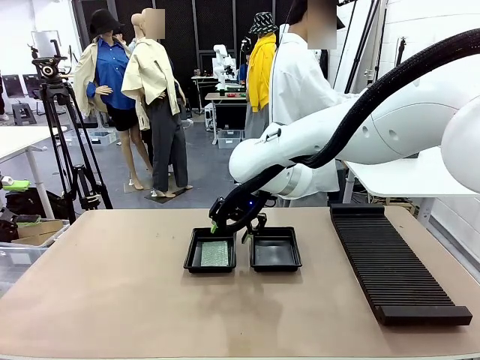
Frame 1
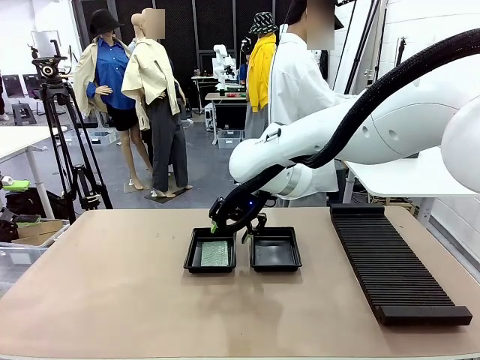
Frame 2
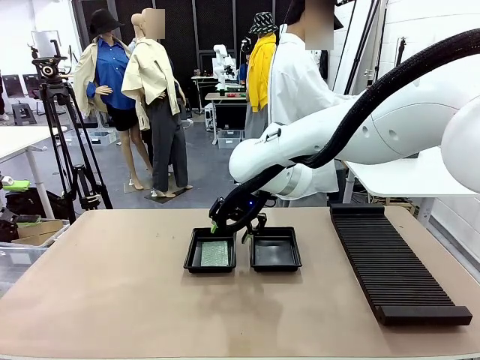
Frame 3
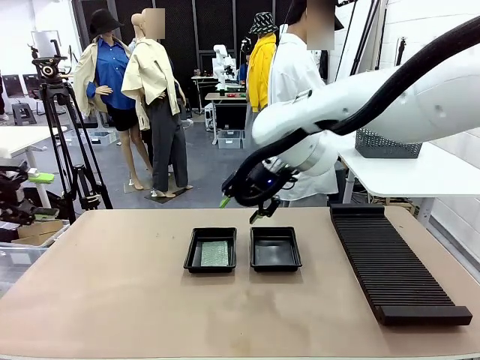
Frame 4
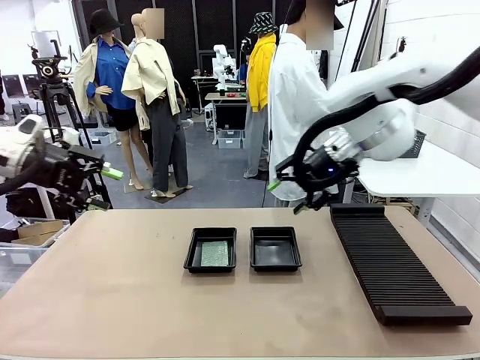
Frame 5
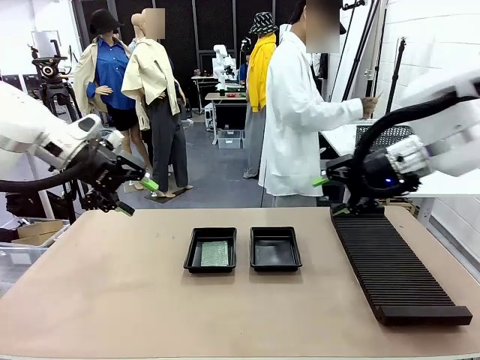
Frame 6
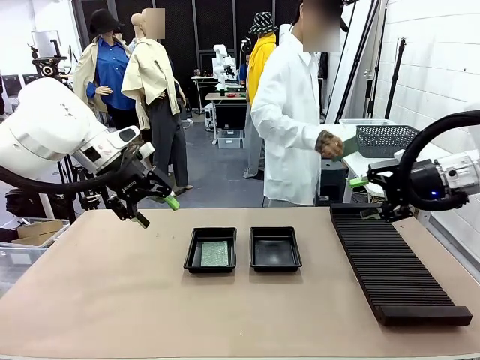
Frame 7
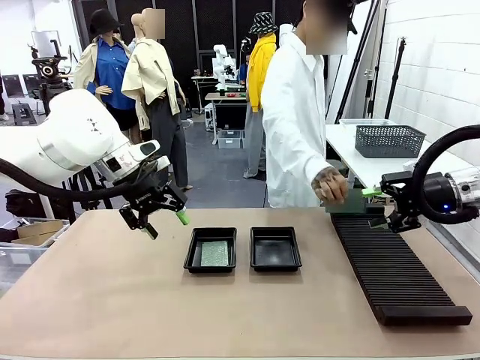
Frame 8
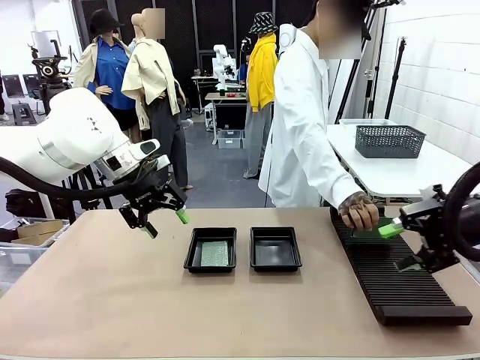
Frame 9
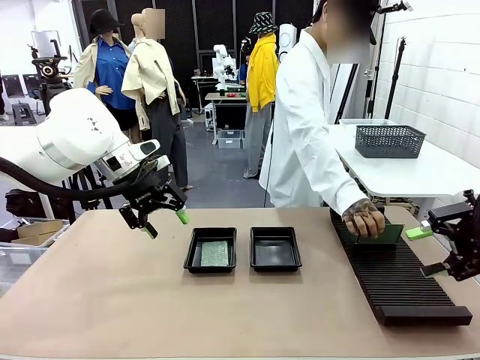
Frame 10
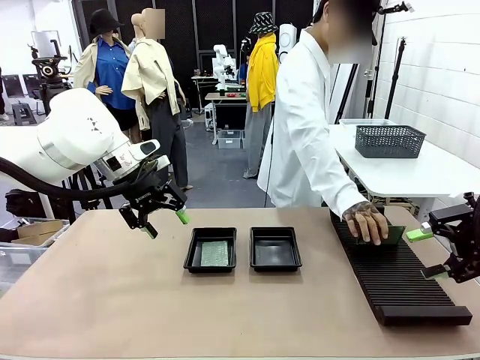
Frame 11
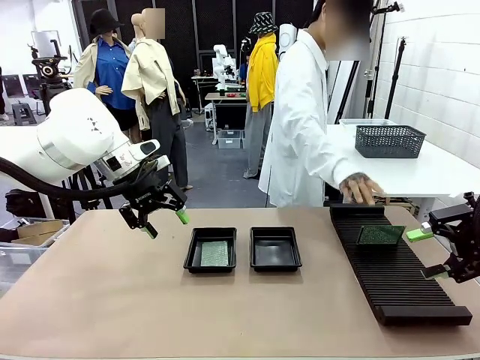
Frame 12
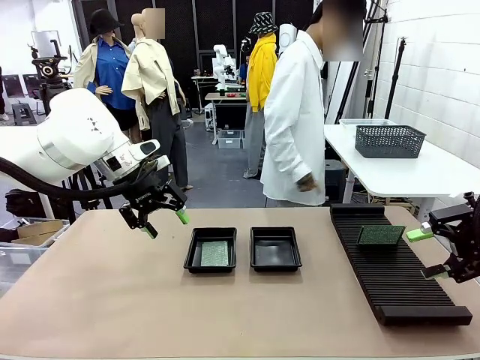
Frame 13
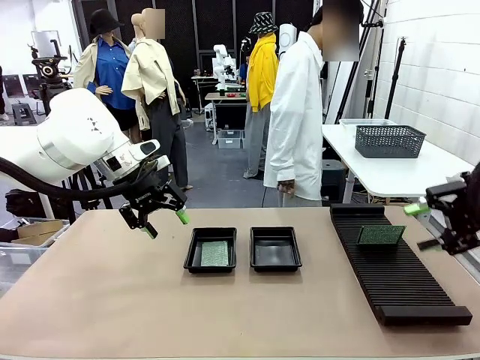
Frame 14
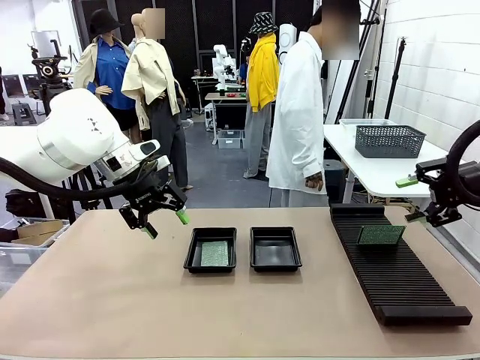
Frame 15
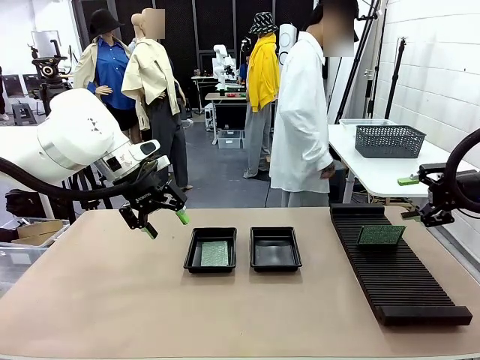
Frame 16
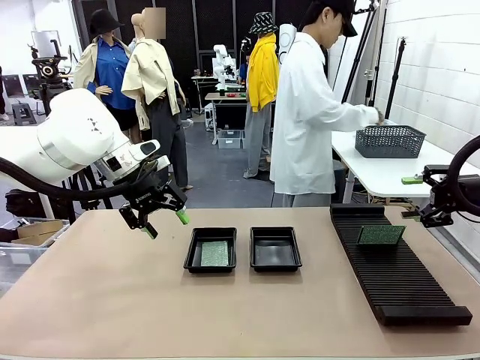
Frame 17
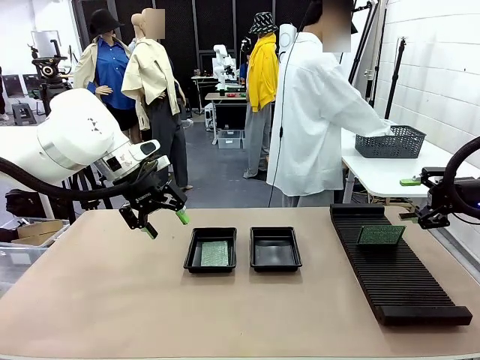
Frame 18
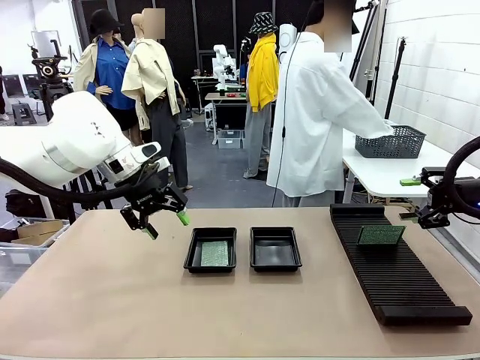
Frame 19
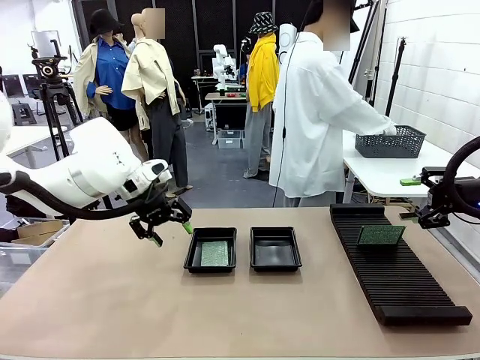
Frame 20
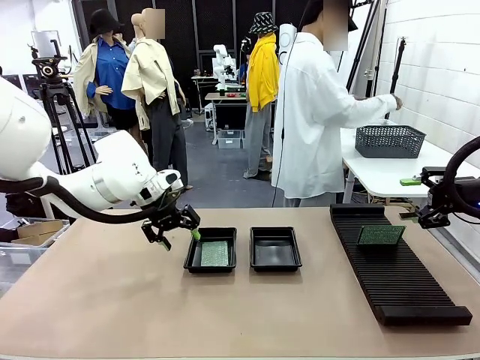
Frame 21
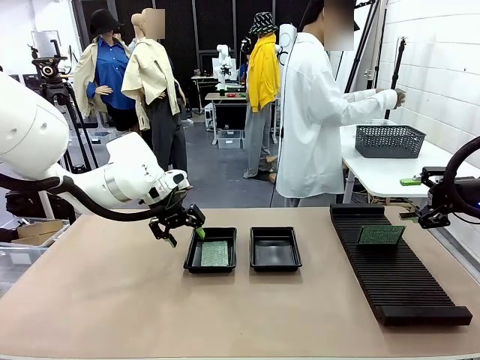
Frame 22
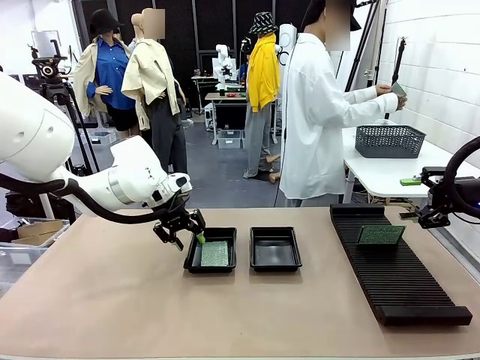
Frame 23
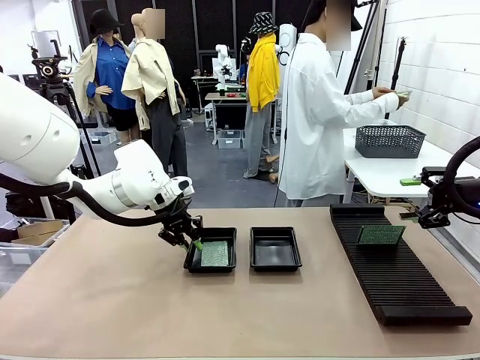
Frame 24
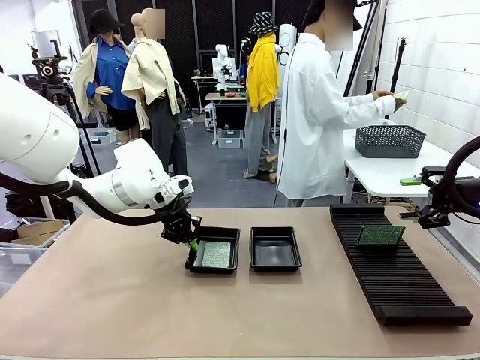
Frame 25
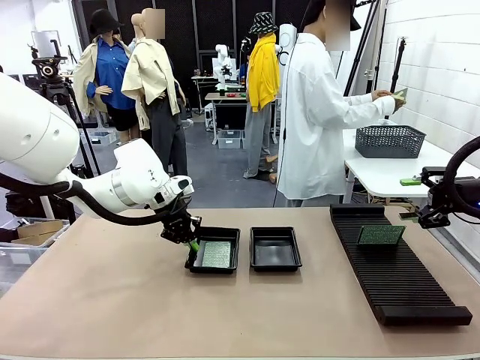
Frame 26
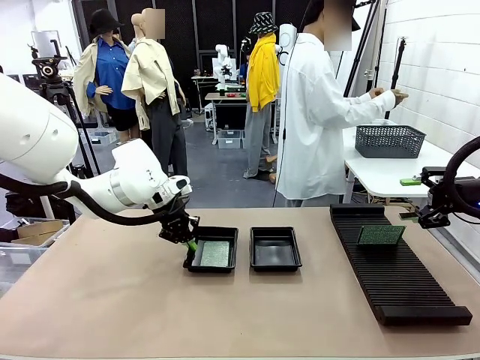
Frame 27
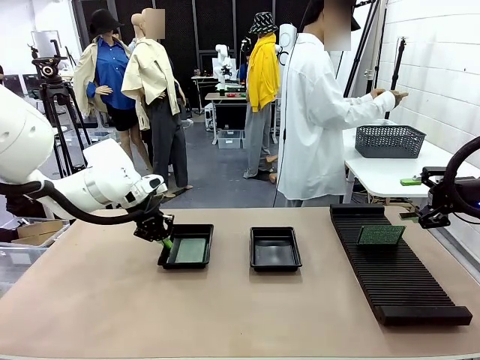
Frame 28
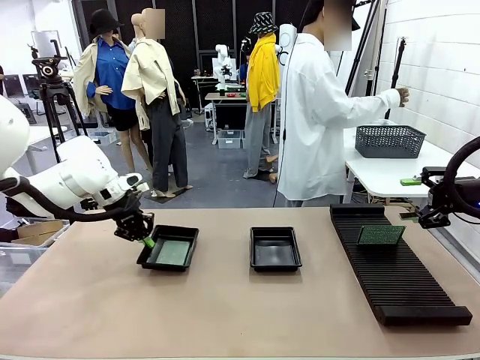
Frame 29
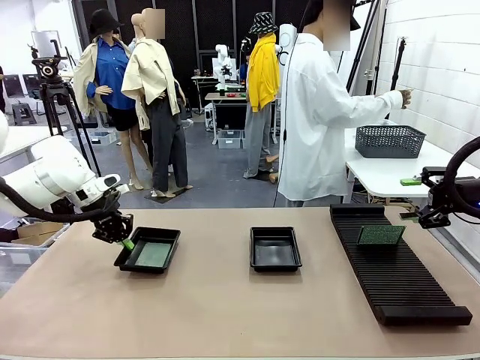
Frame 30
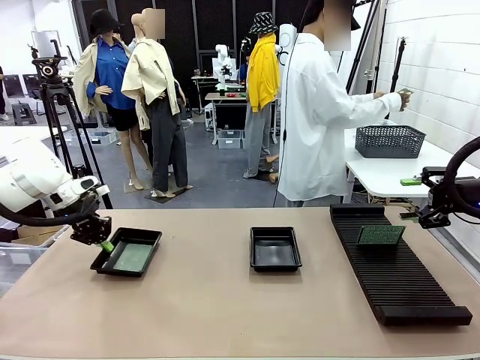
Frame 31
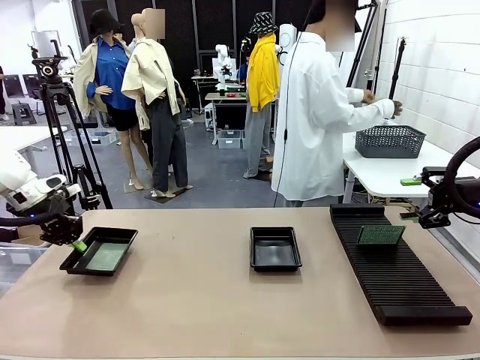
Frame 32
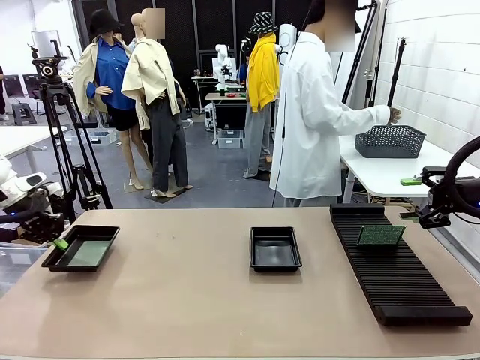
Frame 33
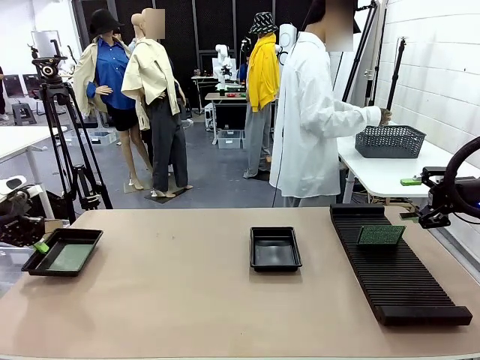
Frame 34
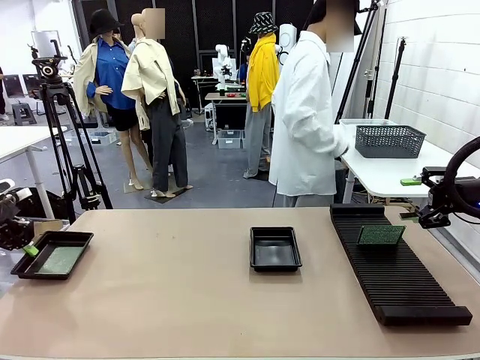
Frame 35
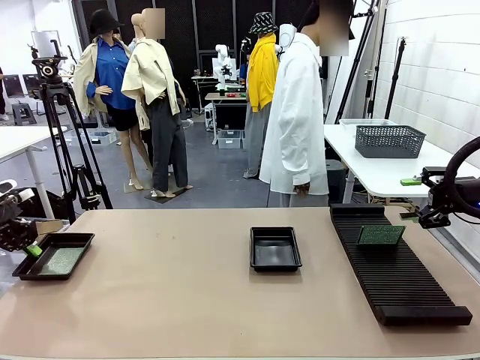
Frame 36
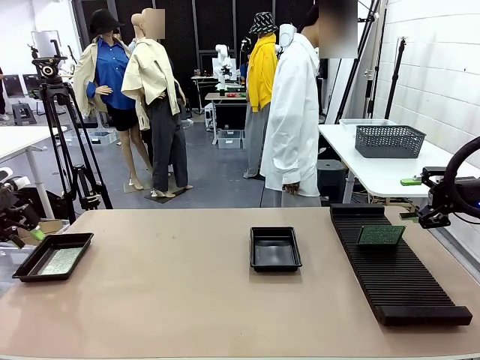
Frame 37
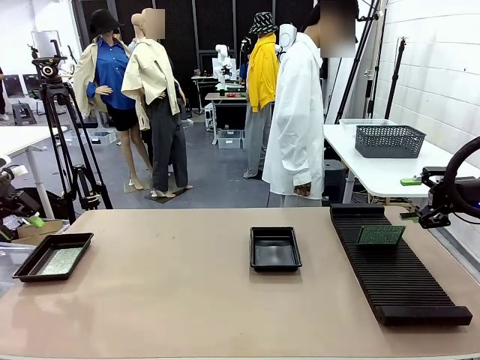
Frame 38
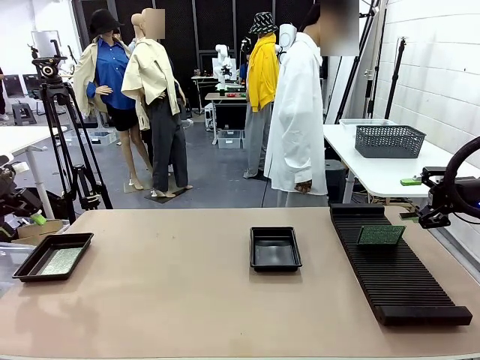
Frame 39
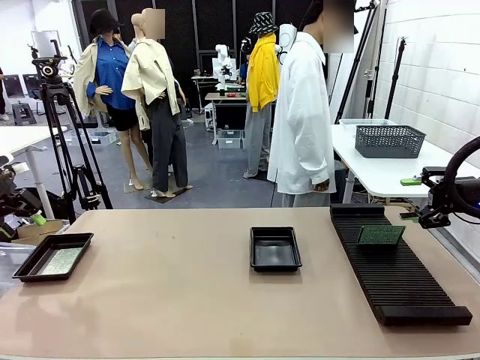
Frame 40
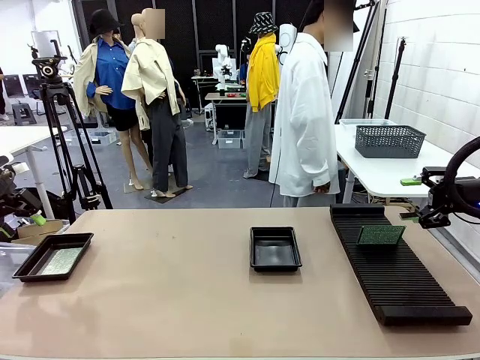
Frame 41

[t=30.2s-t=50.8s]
Task: Inspect and transfer BCBs to ESD trays.
Robot: Pick up the ESD tray and place it on the left side of the table.
